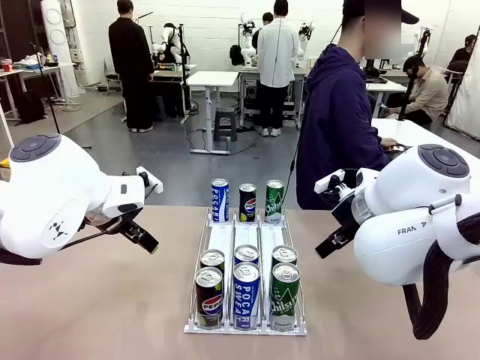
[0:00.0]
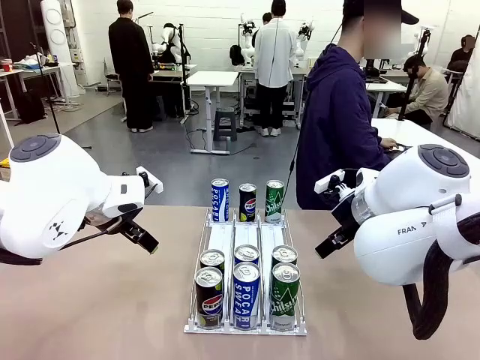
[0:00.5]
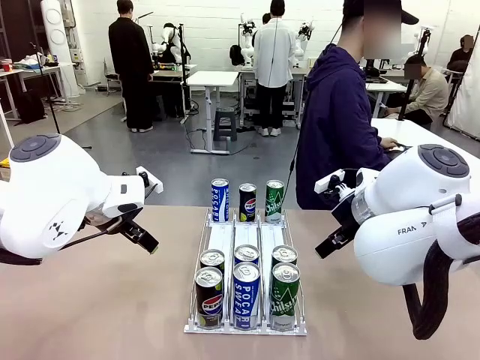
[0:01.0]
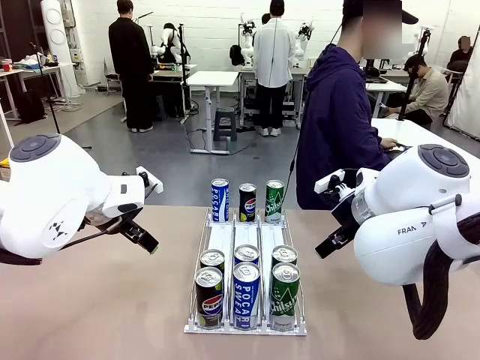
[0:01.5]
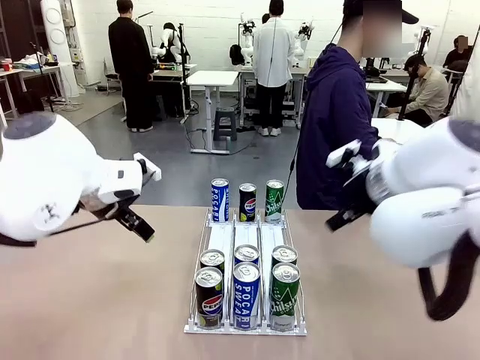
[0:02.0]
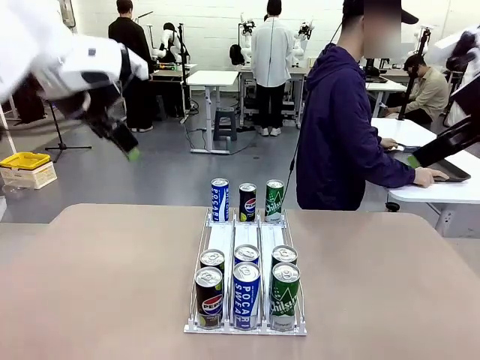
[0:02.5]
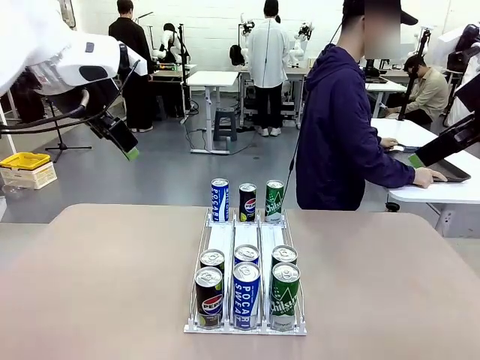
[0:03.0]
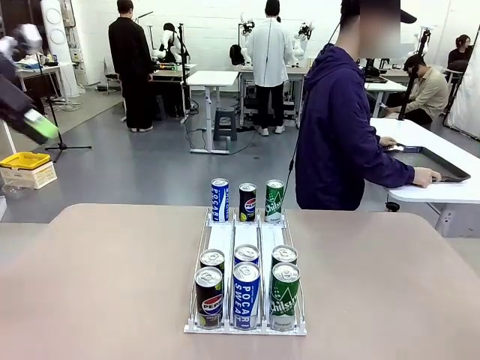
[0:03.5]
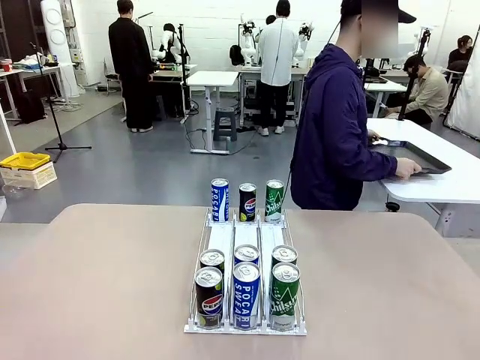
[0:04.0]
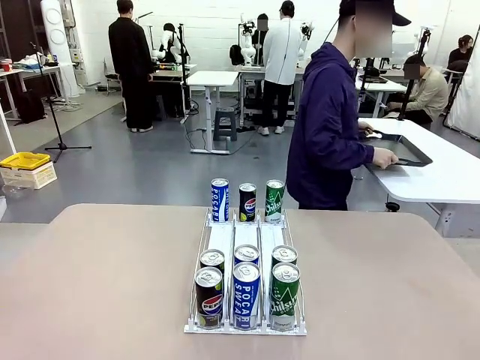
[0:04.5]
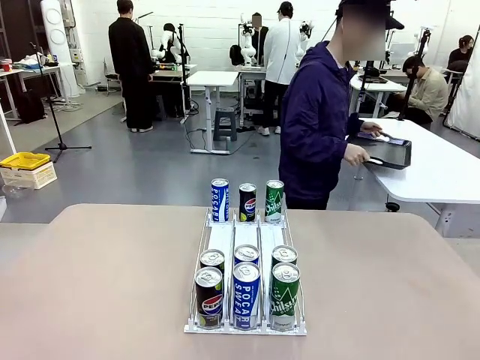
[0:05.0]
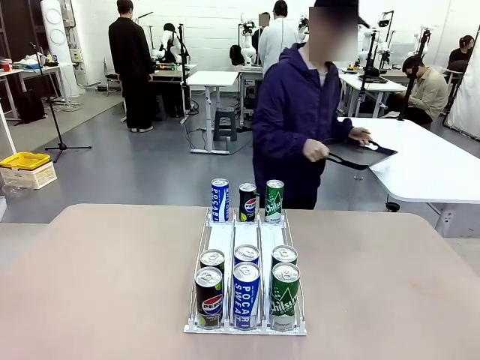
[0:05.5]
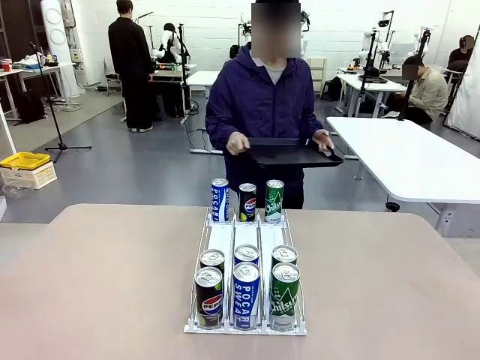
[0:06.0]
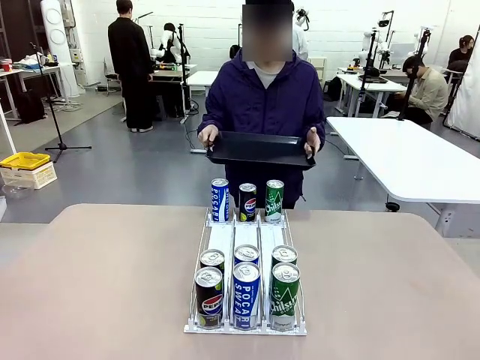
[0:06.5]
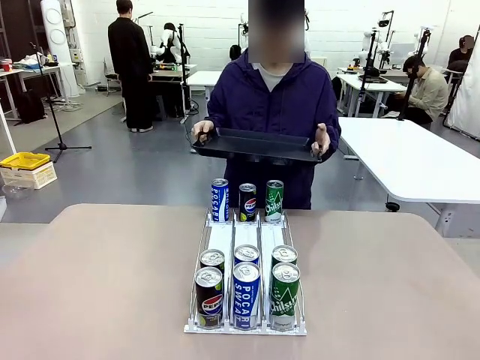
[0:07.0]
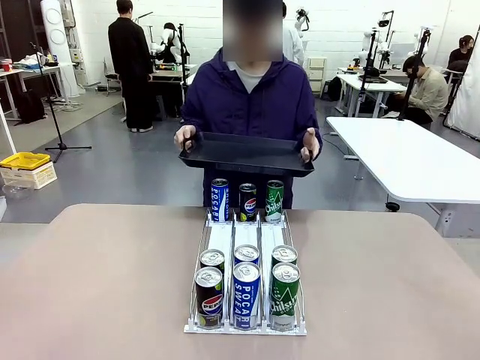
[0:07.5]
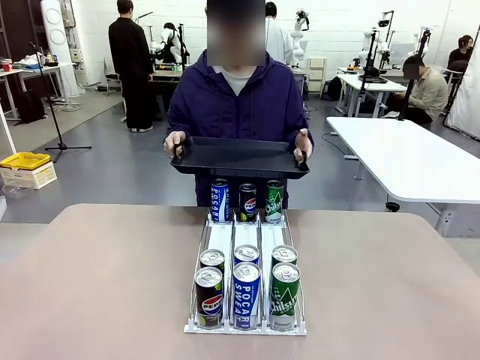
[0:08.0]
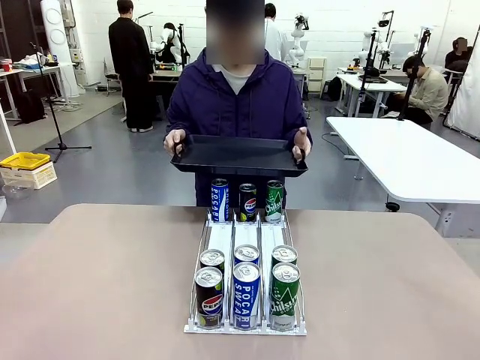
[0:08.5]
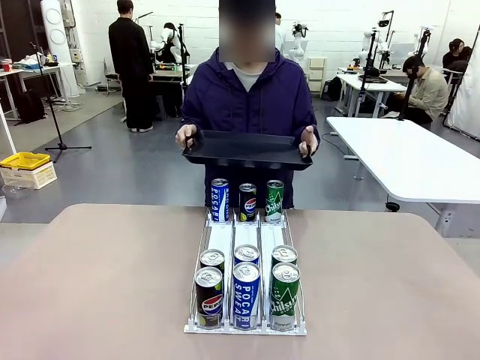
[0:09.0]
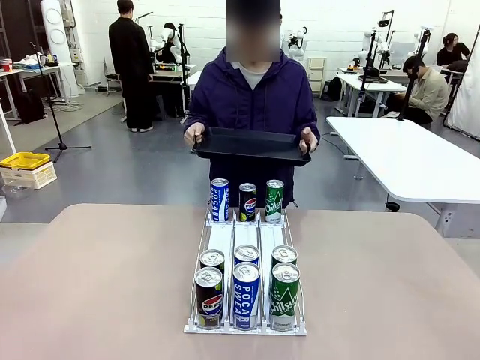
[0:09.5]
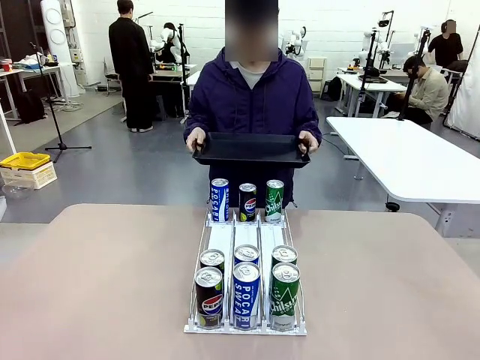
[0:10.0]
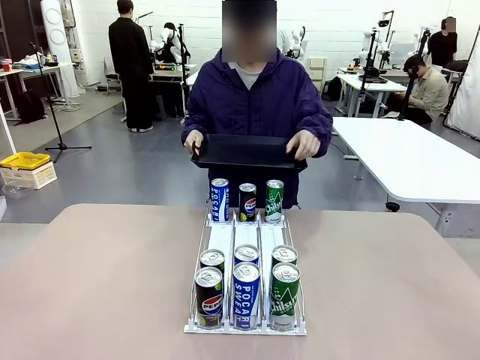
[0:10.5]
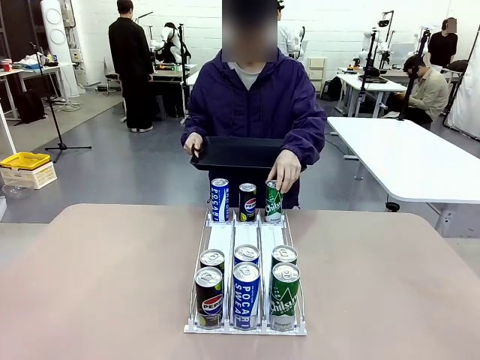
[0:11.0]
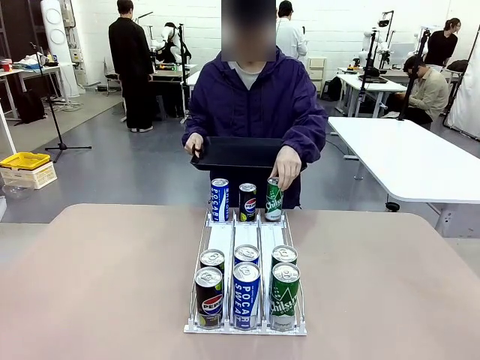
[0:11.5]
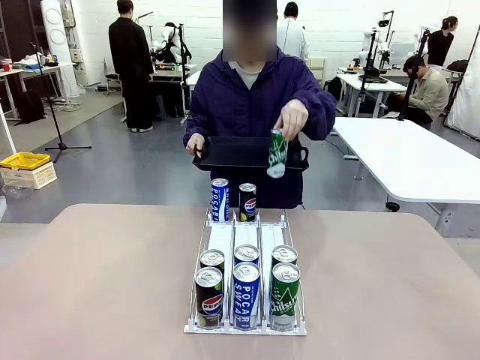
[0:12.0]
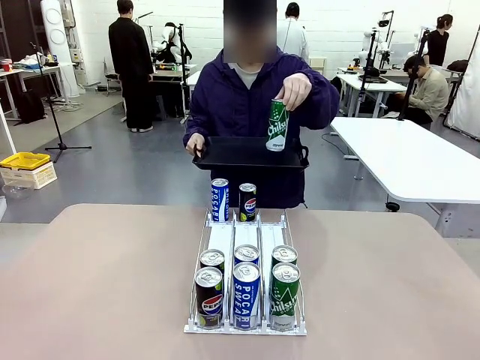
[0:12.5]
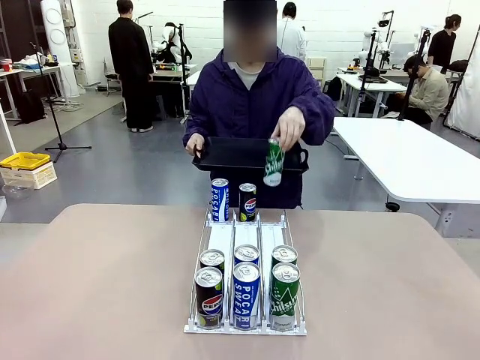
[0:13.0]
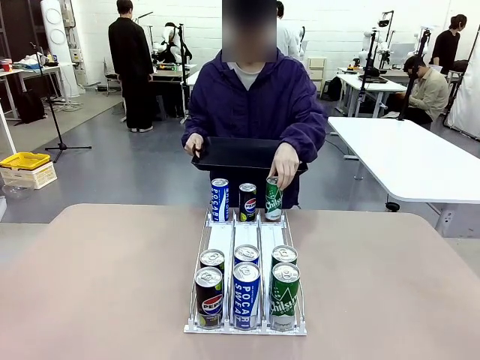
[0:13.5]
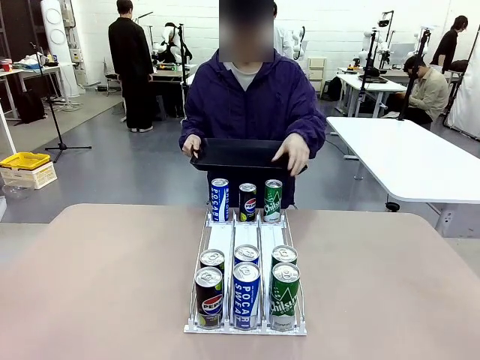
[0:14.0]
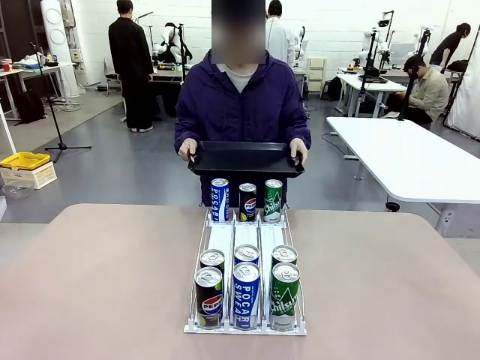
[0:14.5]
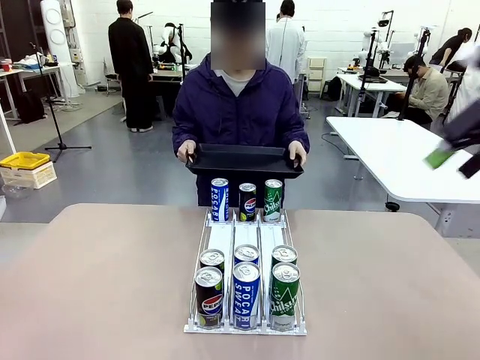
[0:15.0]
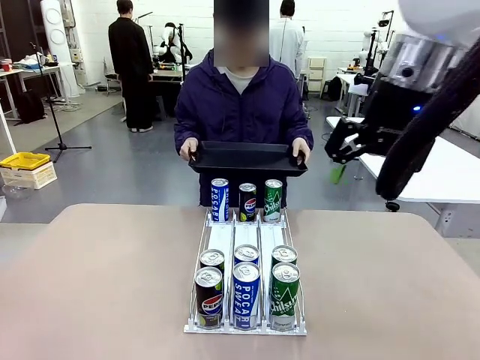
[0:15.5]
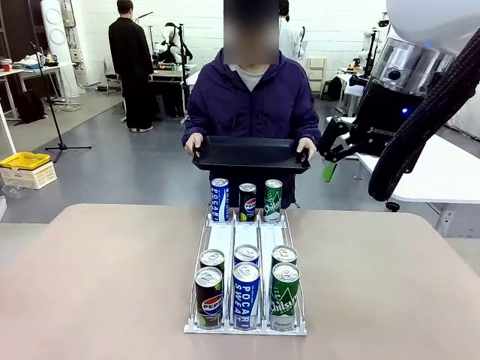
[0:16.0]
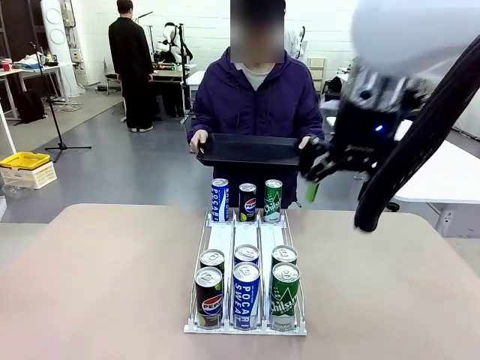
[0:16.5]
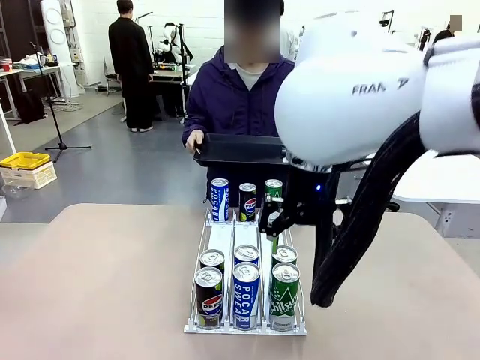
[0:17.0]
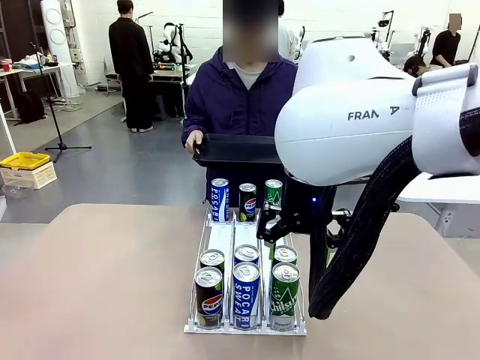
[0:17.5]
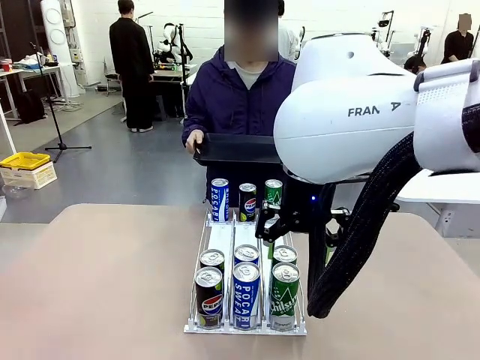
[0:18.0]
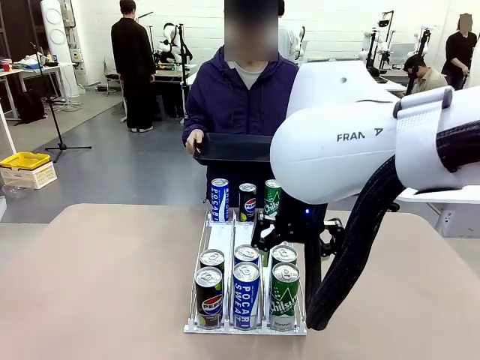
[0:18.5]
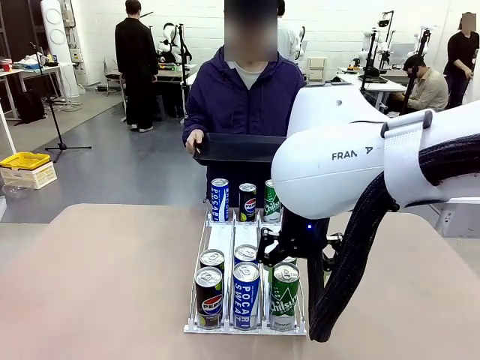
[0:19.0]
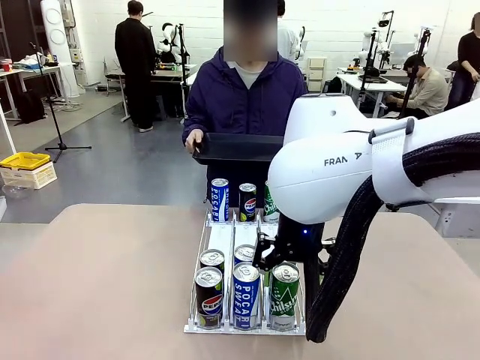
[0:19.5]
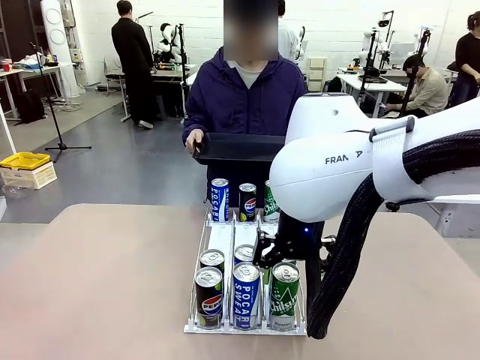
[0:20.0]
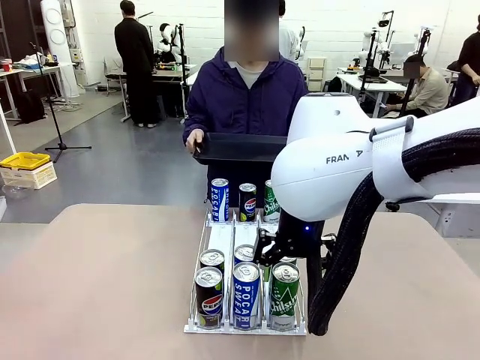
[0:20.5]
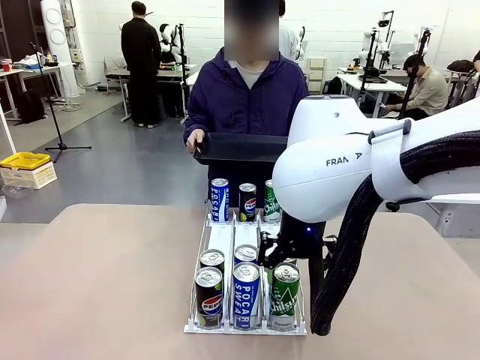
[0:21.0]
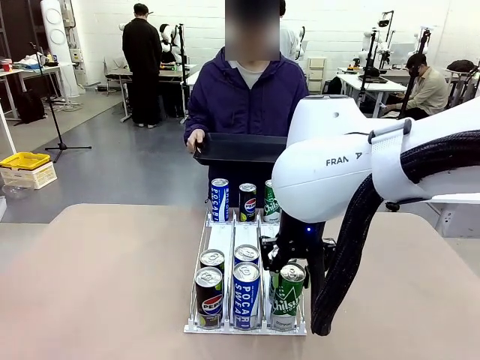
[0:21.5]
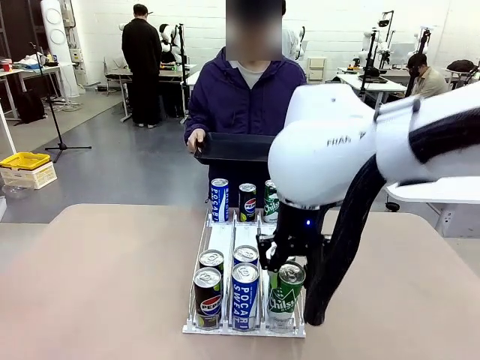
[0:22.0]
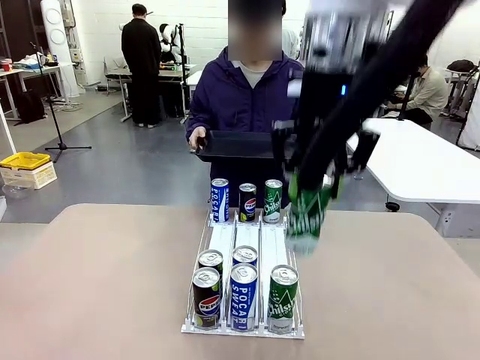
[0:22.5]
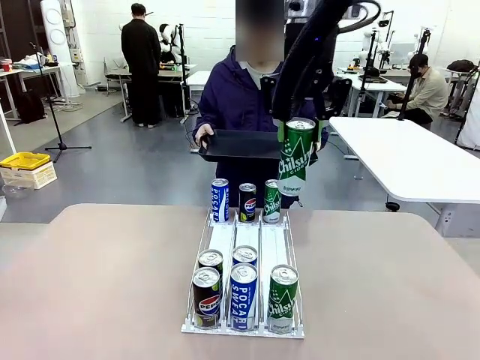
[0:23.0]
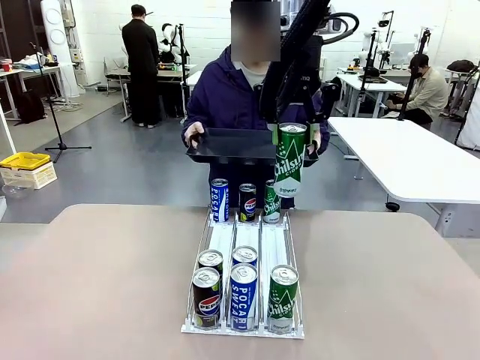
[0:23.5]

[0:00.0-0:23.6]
Task: Retrieve and hand over the desired beverage to the person.
Robot: Pick up a can of the same type that the person held from the Automatic Can Dispenser.
Person: Hold the tray and position yourself in front of the robot table. Pick up one can from the bottom area of the table and puts it back in its original place. Push the tray toward the robot.
